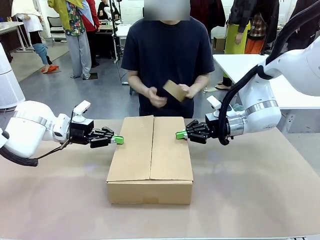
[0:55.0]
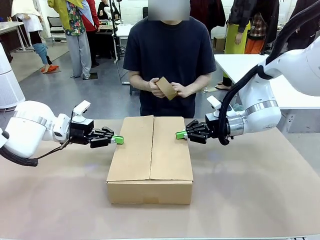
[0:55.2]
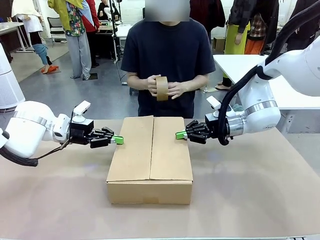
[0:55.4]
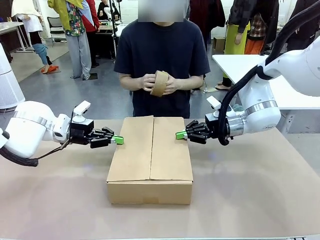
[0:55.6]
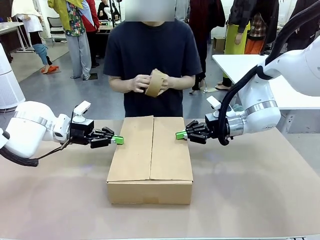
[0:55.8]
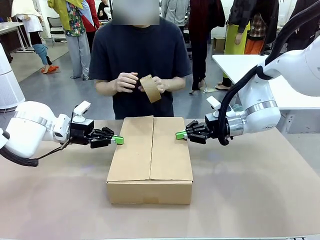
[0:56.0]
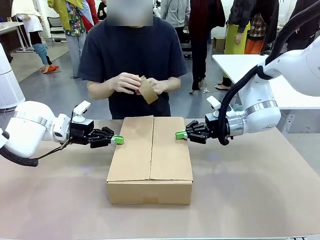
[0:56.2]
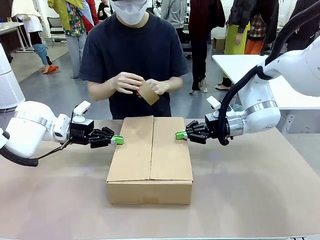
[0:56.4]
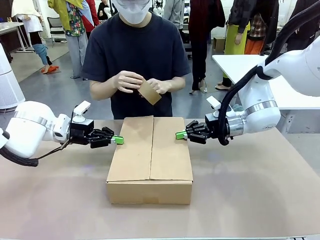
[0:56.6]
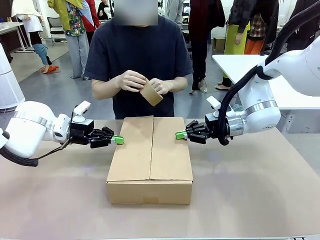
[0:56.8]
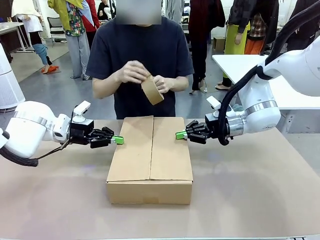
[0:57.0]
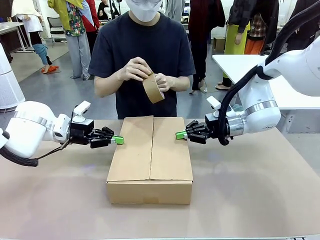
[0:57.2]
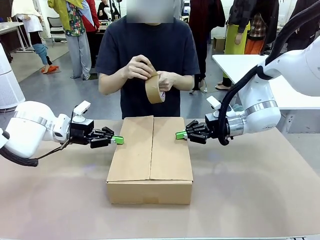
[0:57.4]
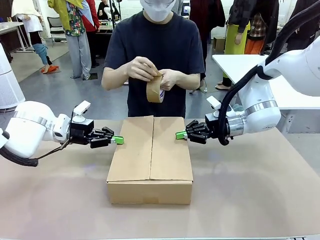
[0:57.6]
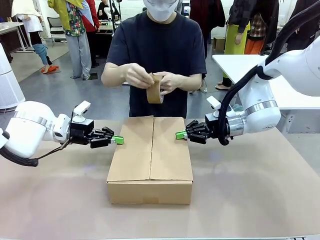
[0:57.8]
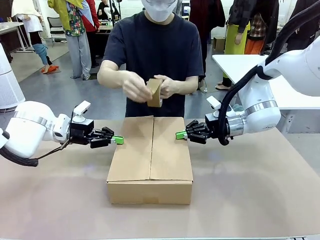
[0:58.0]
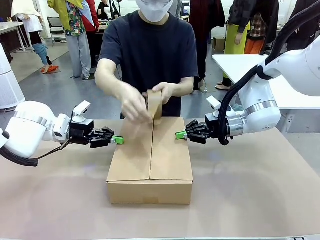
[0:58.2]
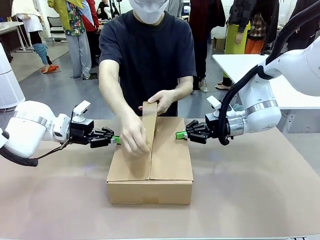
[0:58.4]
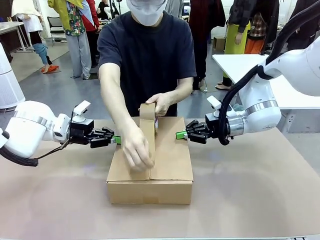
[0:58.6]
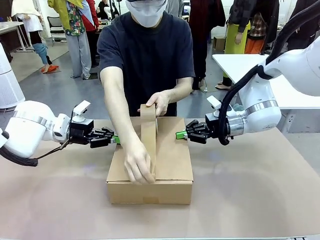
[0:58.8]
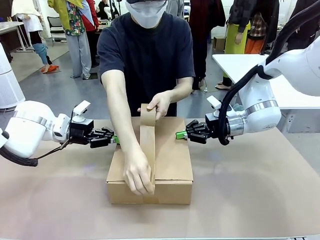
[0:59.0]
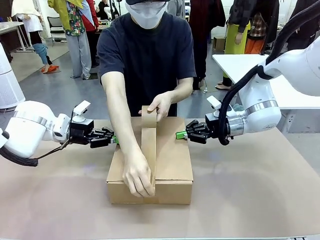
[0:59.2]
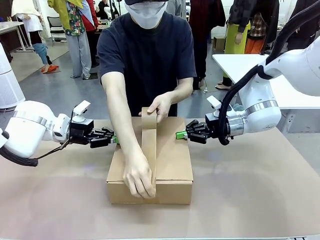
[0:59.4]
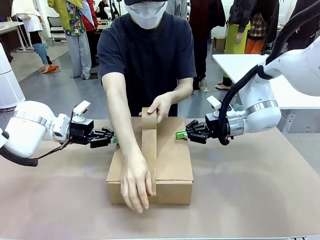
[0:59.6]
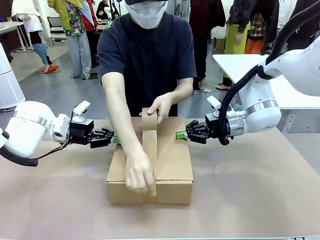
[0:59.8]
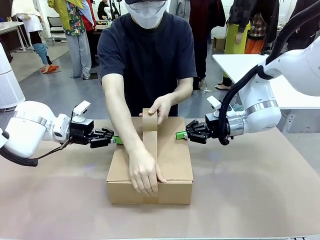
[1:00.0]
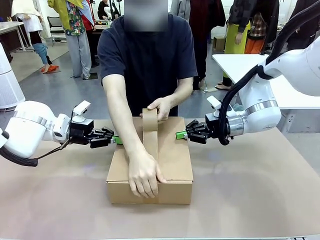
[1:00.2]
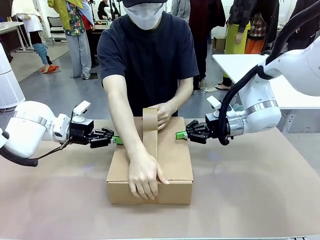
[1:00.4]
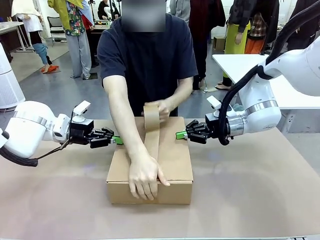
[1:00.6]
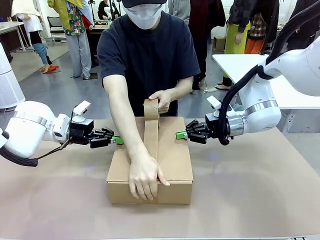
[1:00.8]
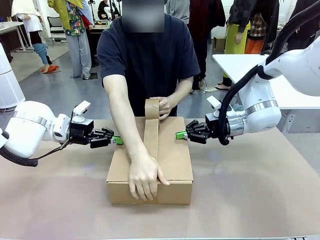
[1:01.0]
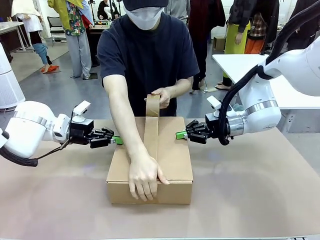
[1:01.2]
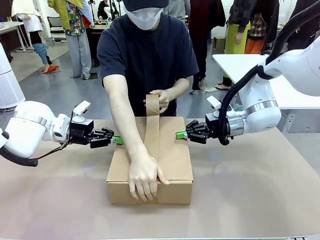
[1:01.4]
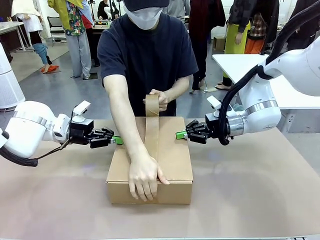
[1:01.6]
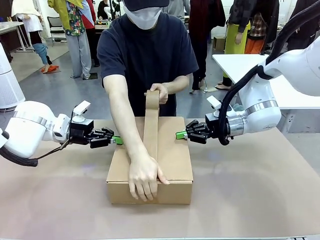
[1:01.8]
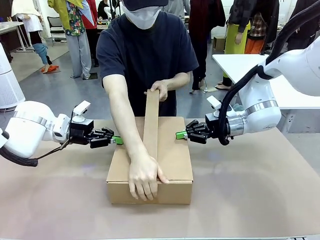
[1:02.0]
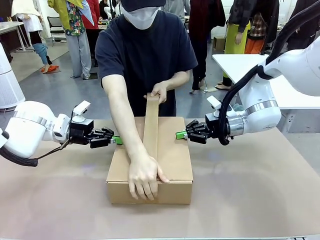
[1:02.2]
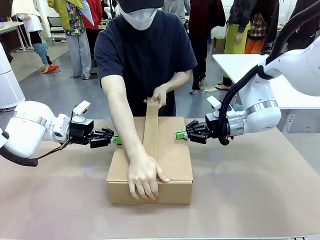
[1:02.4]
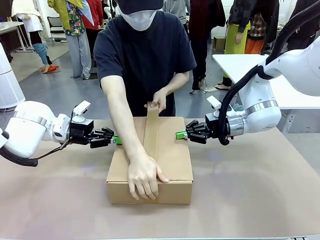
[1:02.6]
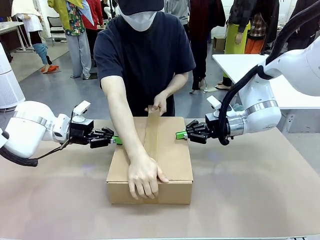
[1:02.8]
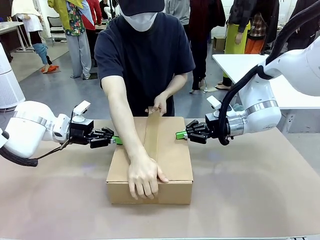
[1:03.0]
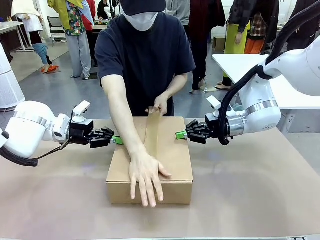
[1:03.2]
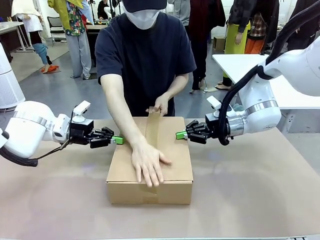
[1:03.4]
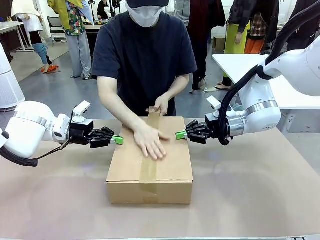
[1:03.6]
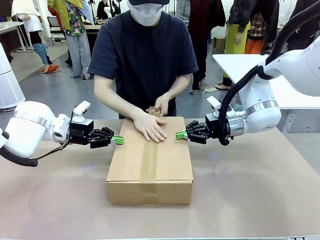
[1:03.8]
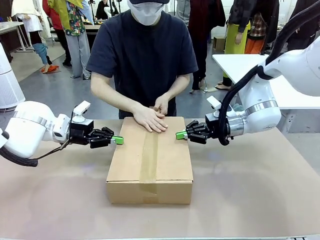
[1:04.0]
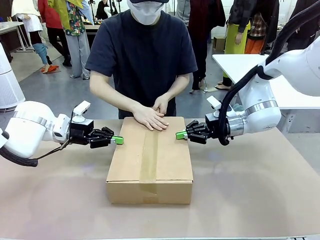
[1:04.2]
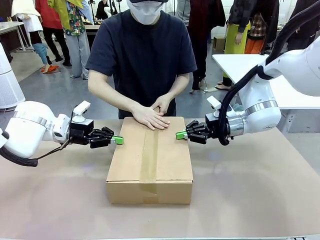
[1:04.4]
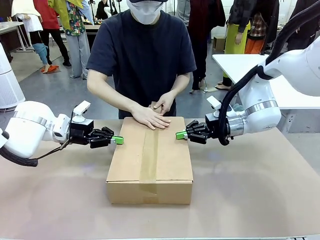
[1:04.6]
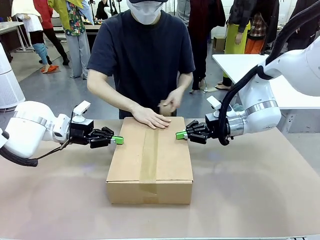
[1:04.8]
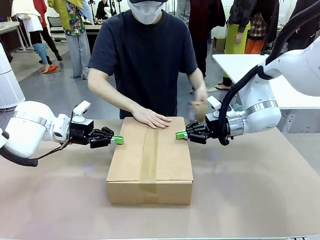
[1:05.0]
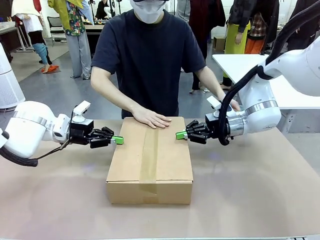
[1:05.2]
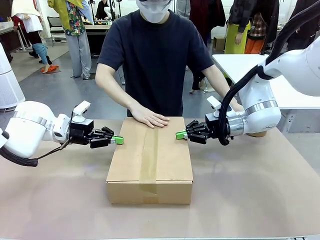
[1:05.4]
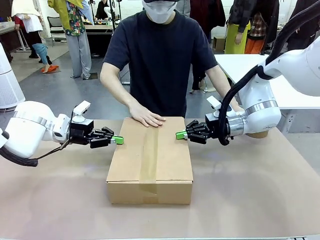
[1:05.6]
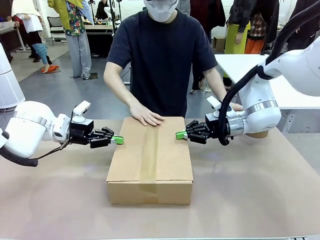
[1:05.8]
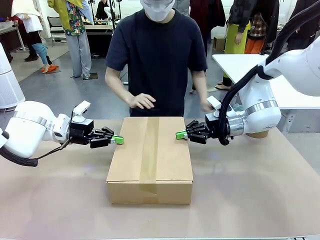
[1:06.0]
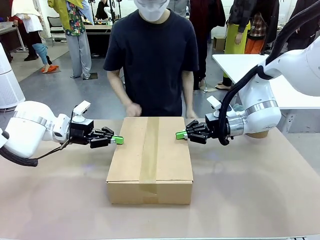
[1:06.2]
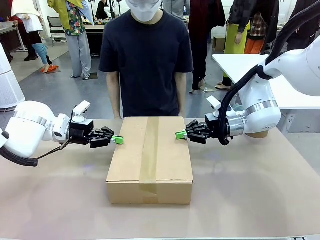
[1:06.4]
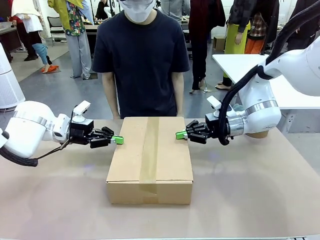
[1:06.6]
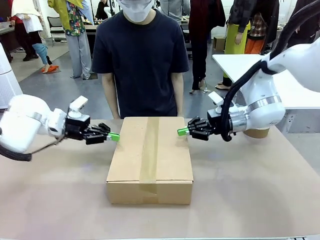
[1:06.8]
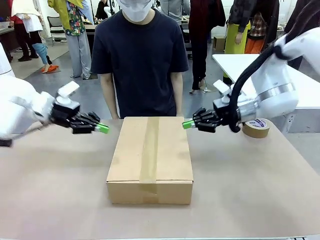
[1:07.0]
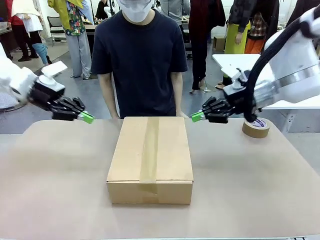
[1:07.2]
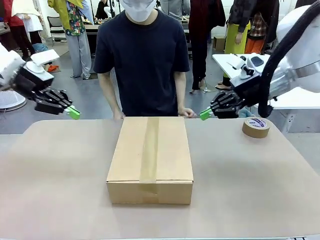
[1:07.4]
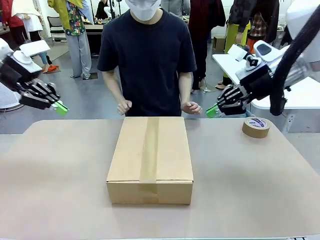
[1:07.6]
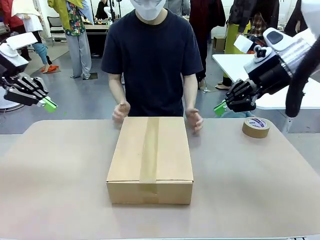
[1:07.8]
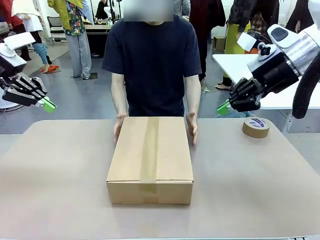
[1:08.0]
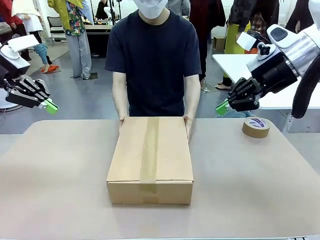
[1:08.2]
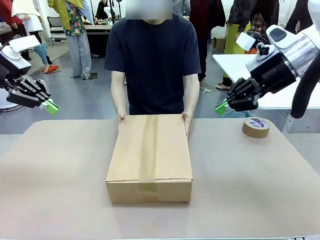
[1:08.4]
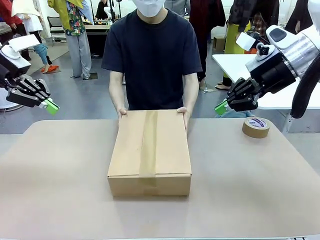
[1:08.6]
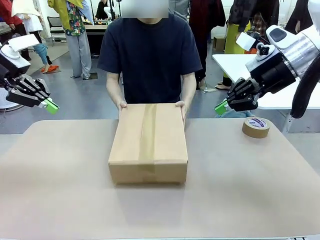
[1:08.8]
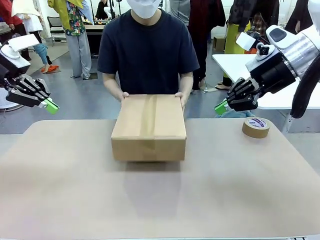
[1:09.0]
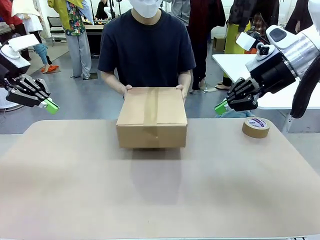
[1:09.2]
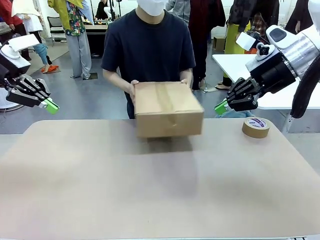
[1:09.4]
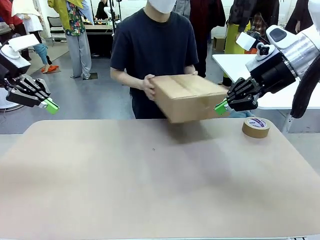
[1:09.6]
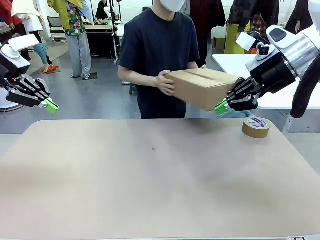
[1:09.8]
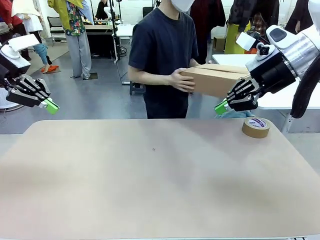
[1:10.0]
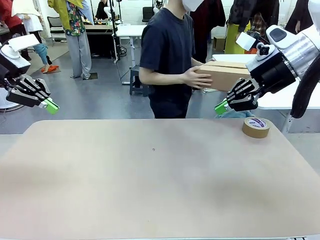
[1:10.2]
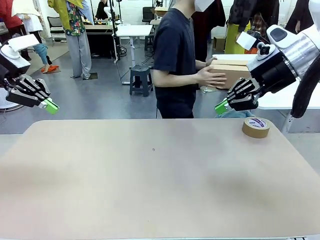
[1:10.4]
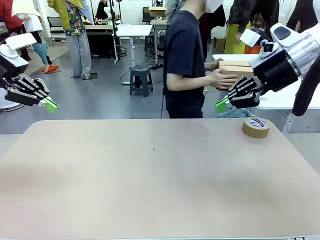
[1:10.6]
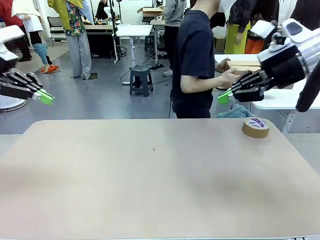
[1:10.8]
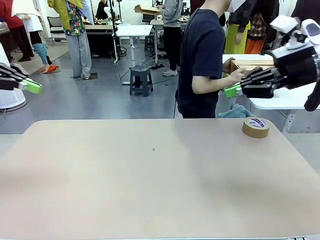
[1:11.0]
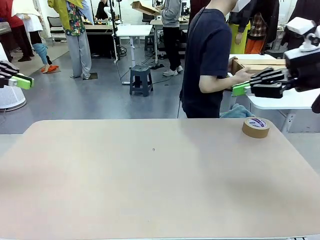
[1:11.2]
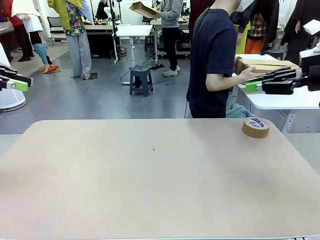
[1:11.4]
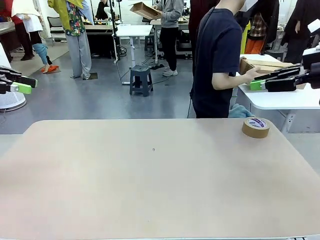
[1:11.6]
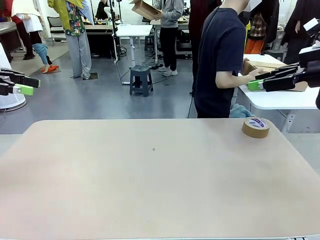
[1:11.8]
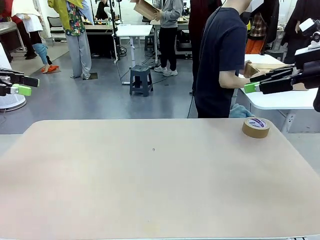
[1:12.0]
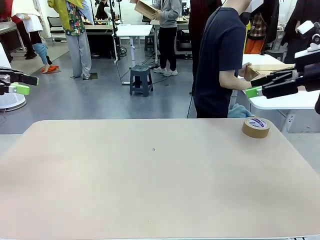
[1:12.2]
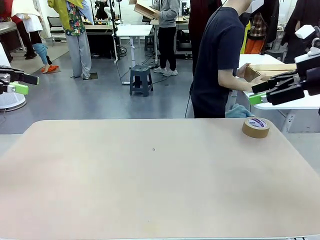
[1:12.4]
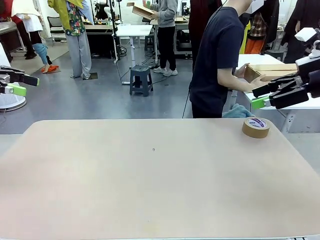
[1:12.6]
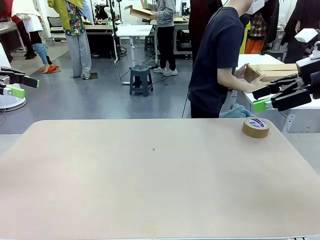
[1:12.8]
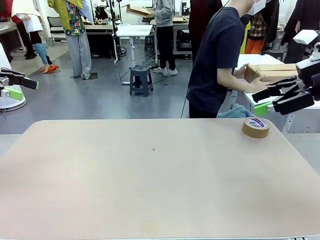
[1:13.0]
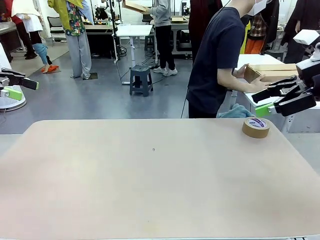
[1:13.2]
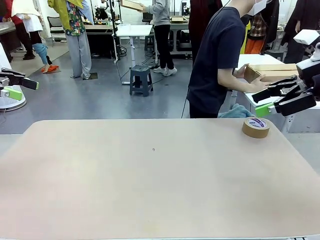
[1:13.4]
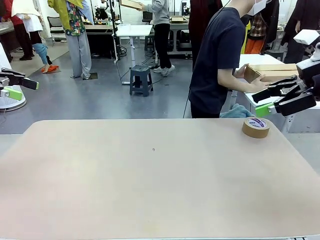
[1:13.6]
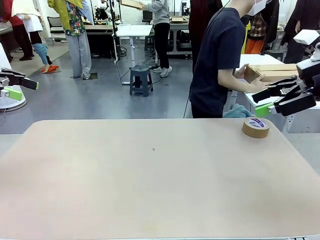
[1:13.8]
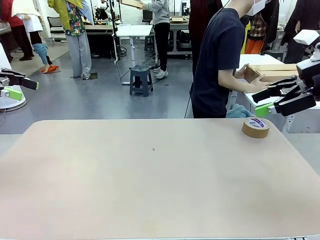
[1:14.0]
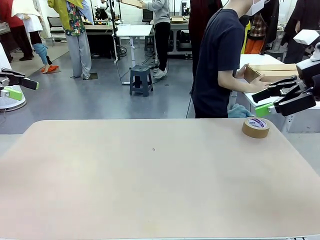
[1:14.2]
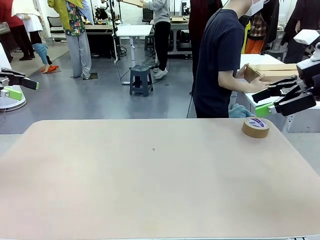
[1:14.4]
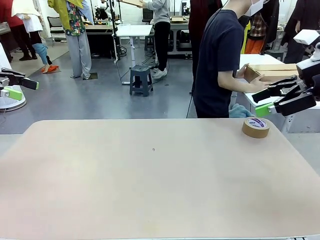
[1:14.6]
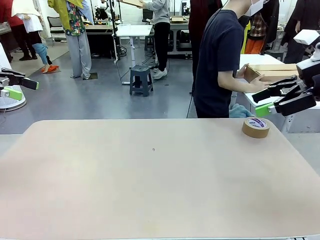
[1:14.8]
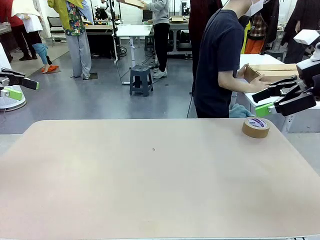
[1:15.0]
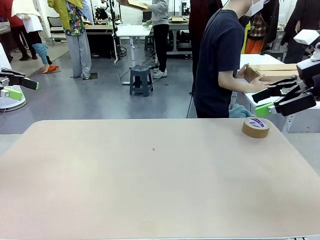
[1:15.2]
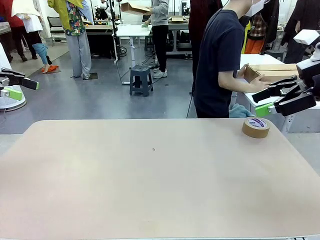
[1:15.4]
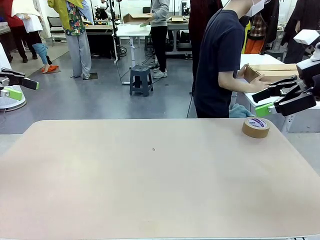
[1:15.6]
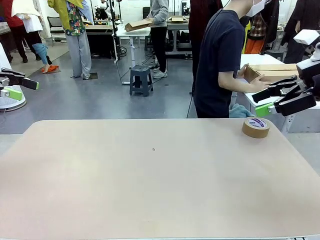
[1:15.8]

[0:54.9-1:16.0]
Task: Wrap the clocks to prevent damage.
Robot: After the human seals the box with tape, release both hands from the side flaps of the Package Box.
Person: Once the robot closes the left flap of the Package Box , seal the box with Paper Tape. Place sealed Package Box in the middle of the human's table.
